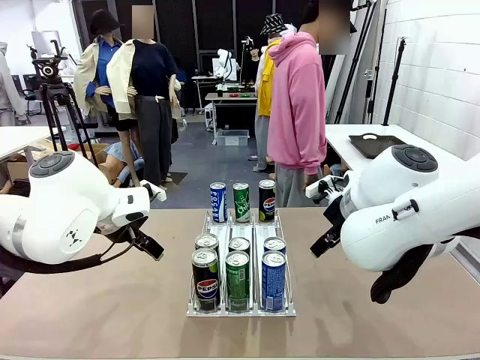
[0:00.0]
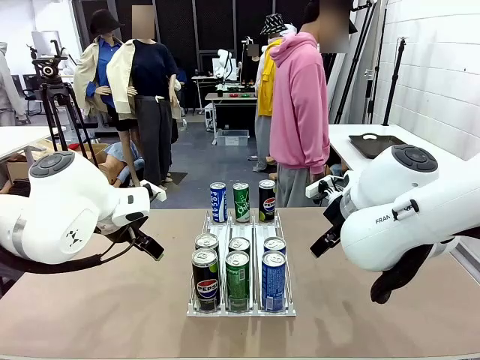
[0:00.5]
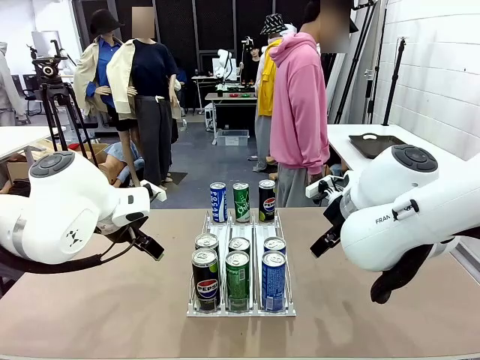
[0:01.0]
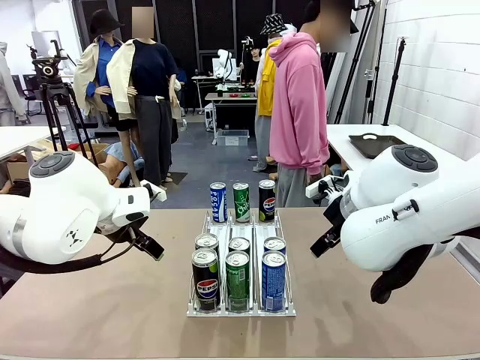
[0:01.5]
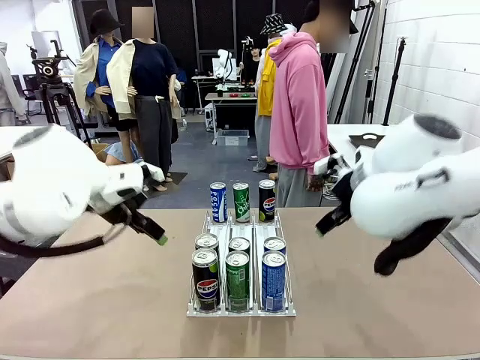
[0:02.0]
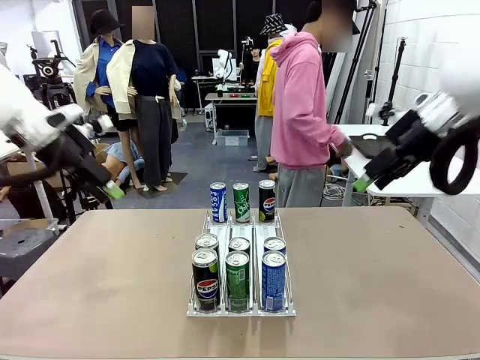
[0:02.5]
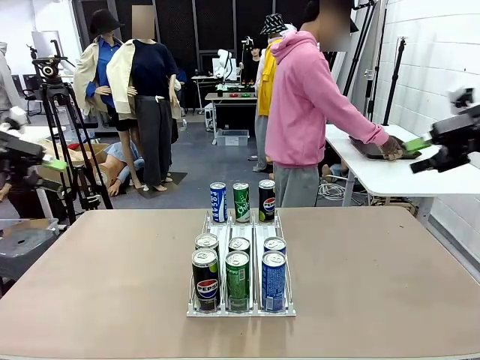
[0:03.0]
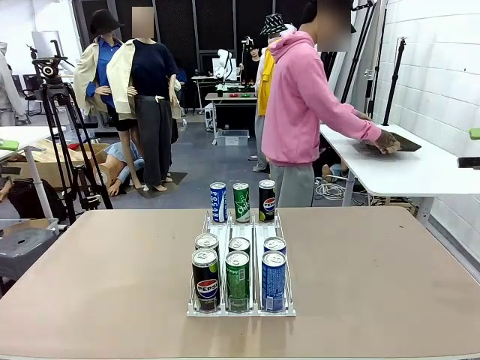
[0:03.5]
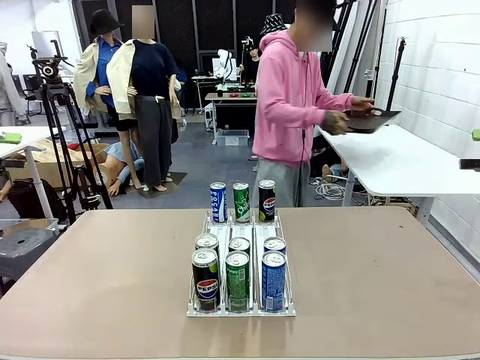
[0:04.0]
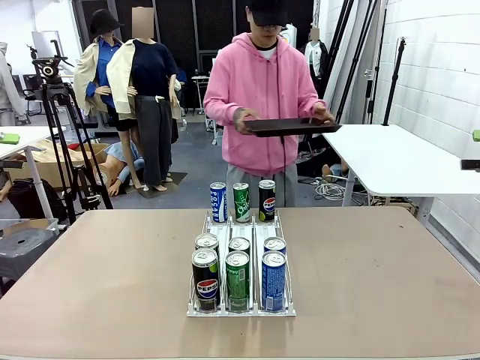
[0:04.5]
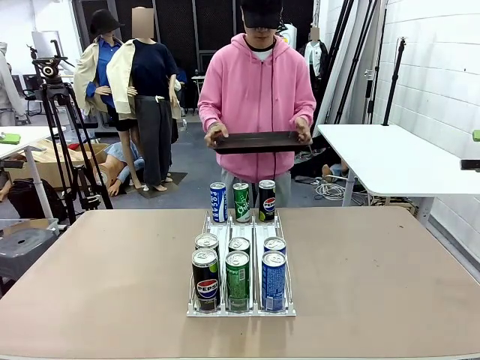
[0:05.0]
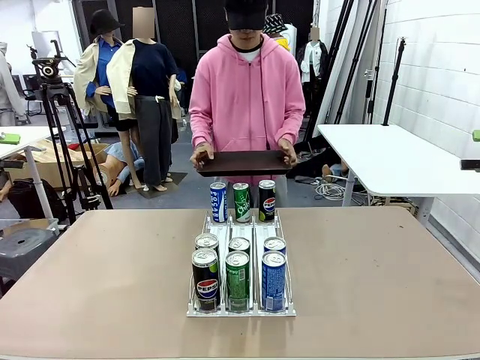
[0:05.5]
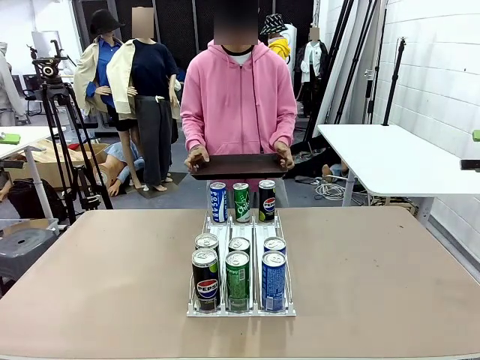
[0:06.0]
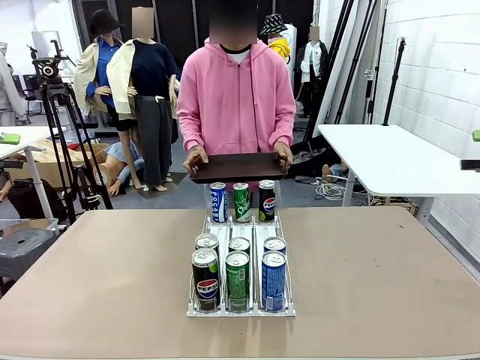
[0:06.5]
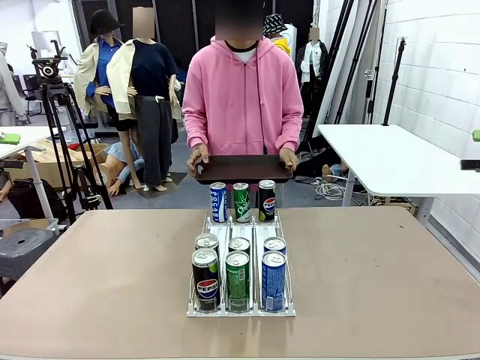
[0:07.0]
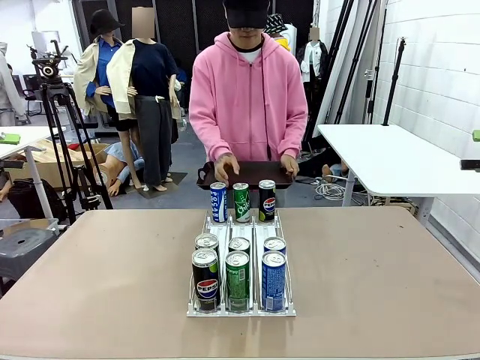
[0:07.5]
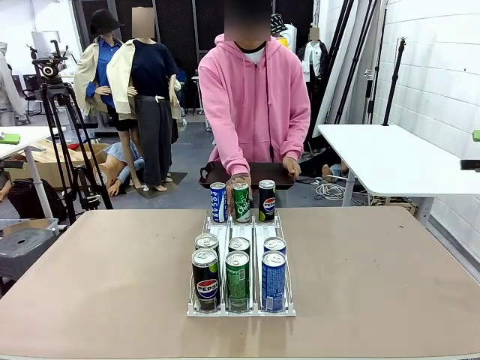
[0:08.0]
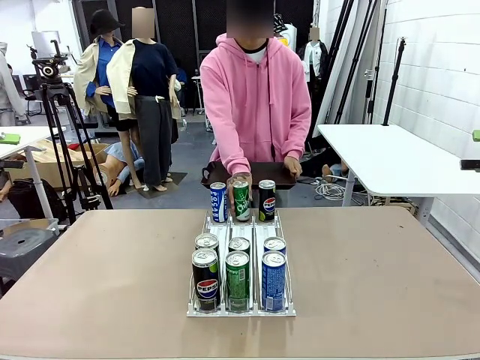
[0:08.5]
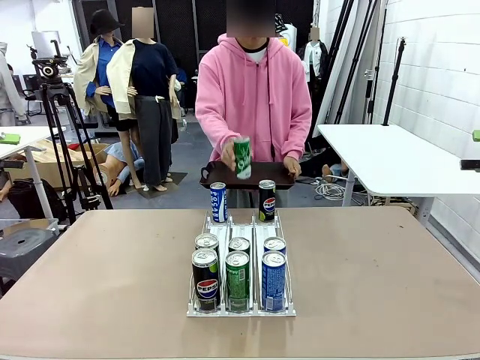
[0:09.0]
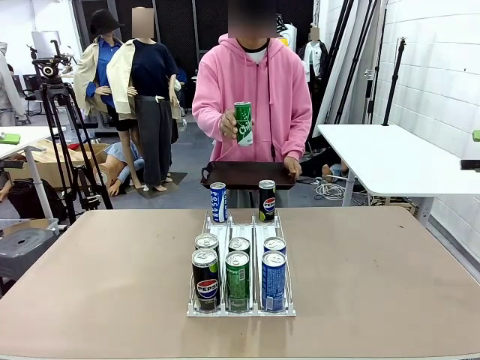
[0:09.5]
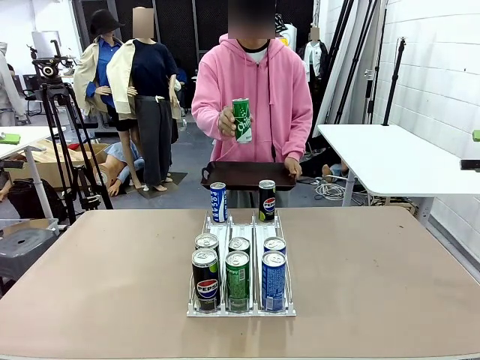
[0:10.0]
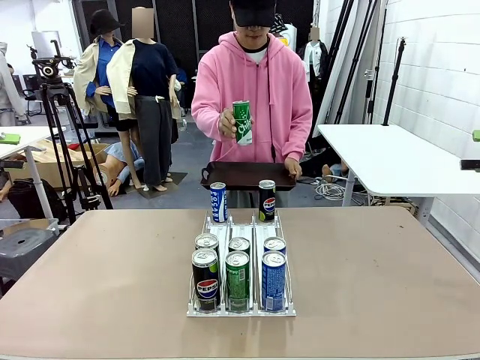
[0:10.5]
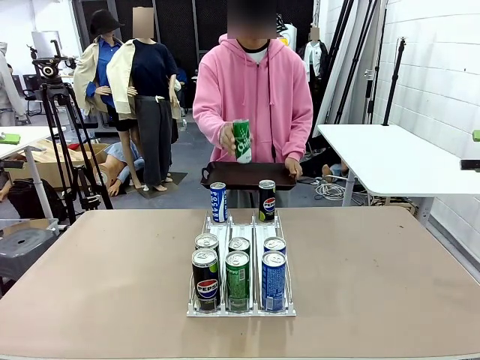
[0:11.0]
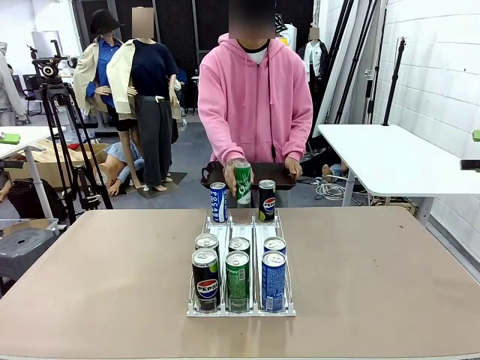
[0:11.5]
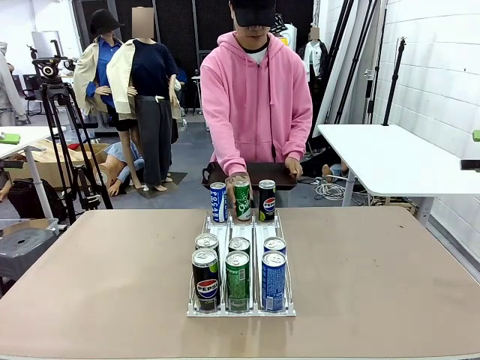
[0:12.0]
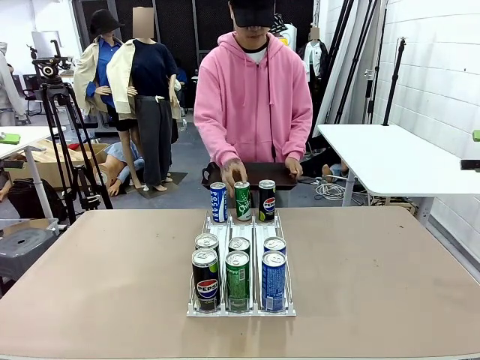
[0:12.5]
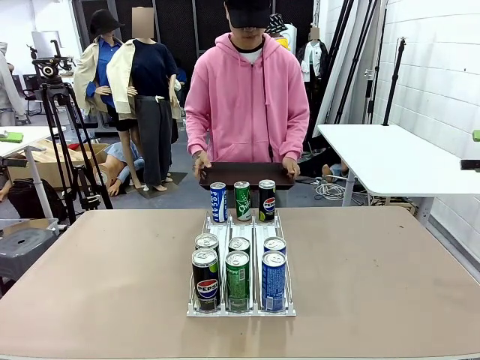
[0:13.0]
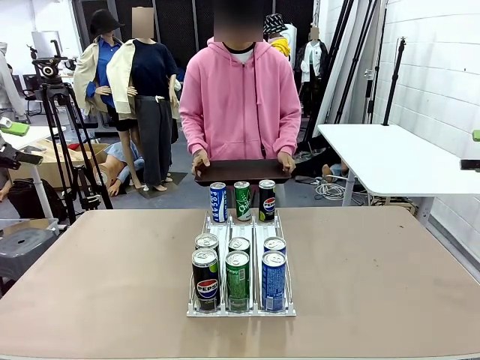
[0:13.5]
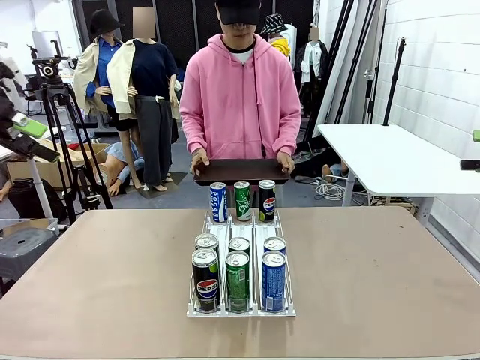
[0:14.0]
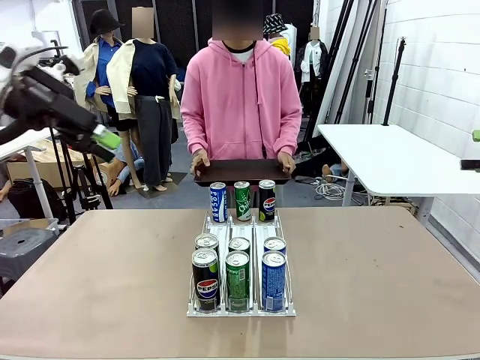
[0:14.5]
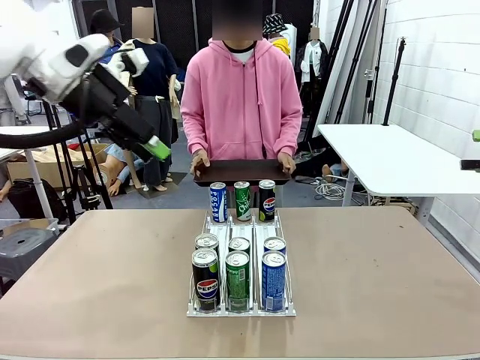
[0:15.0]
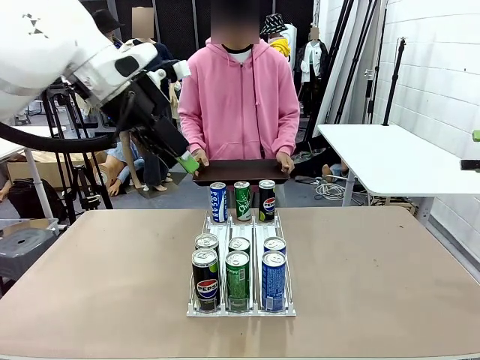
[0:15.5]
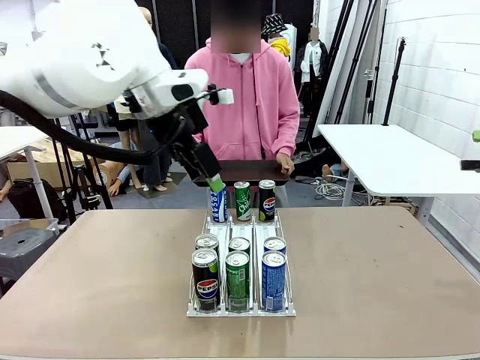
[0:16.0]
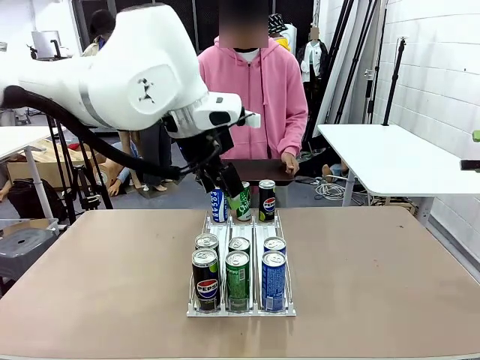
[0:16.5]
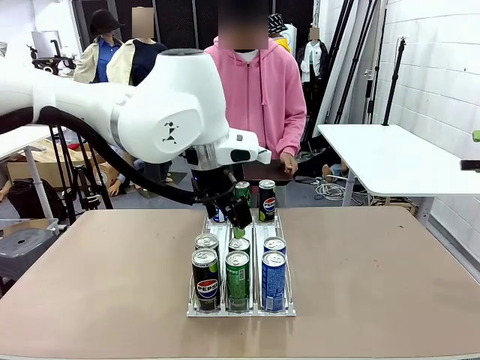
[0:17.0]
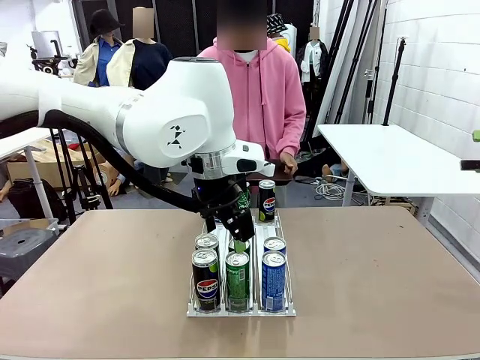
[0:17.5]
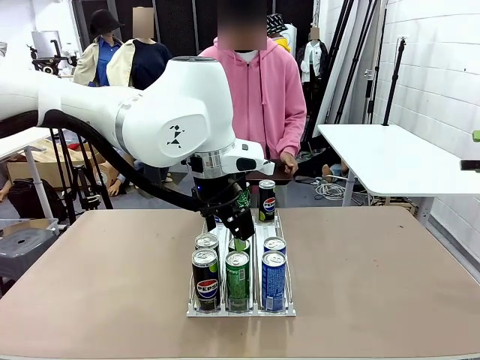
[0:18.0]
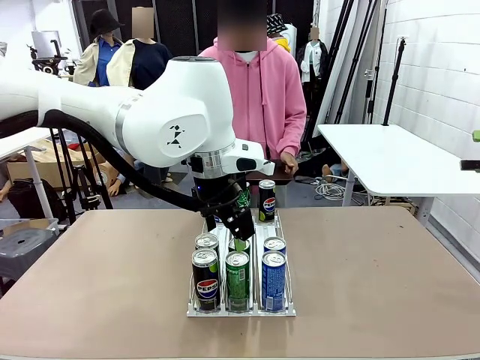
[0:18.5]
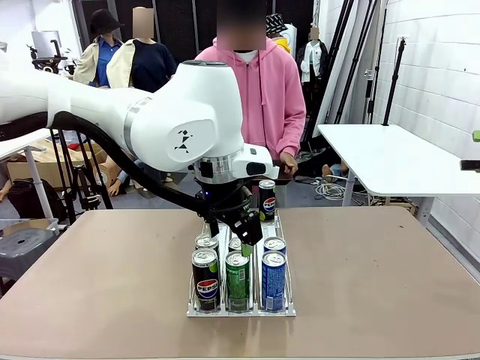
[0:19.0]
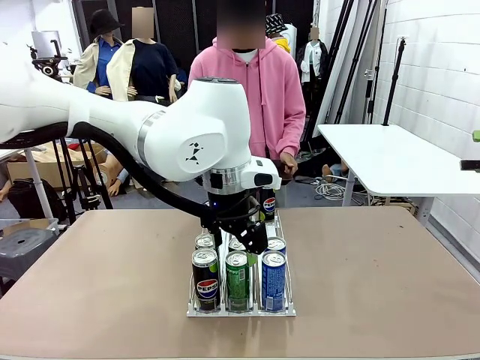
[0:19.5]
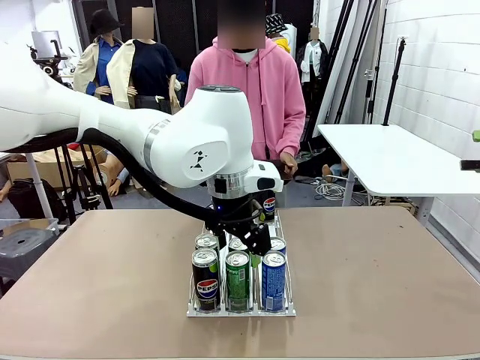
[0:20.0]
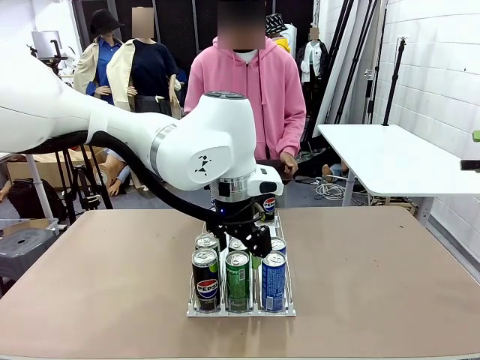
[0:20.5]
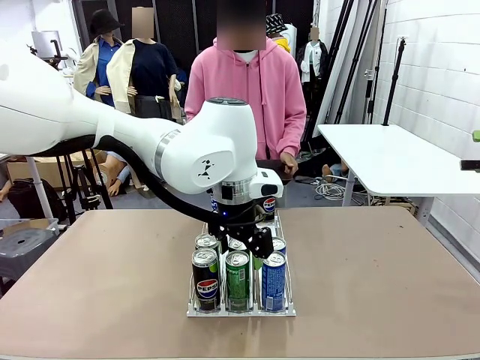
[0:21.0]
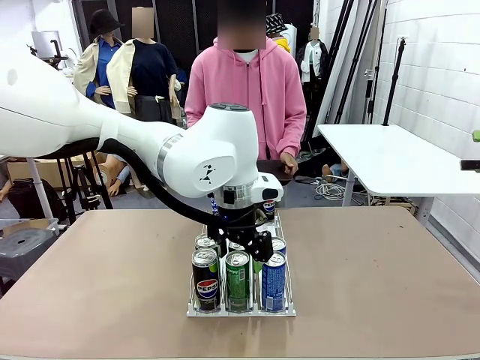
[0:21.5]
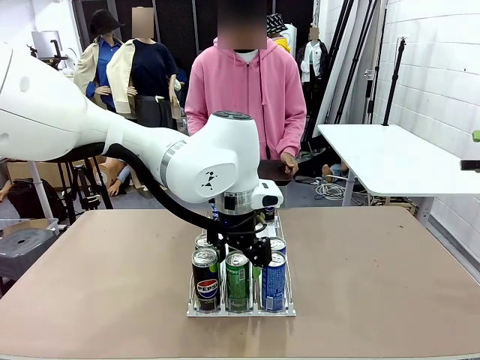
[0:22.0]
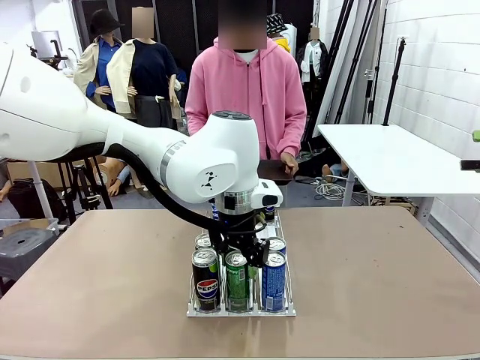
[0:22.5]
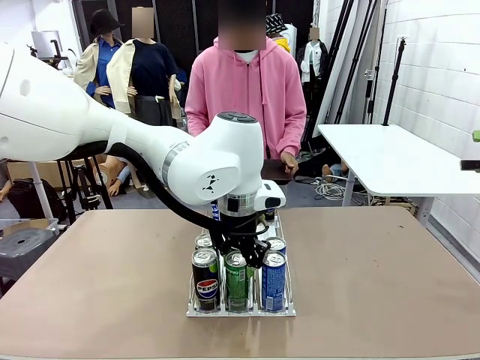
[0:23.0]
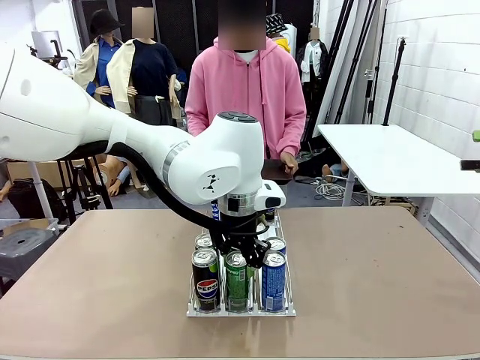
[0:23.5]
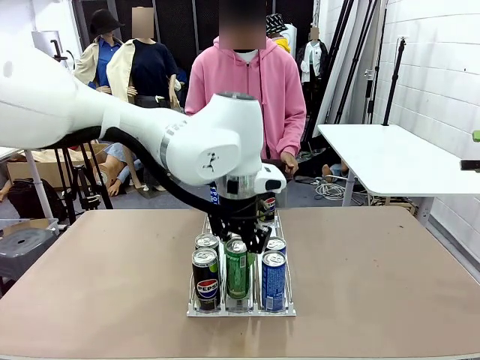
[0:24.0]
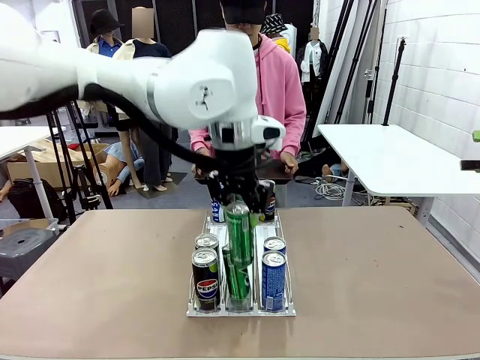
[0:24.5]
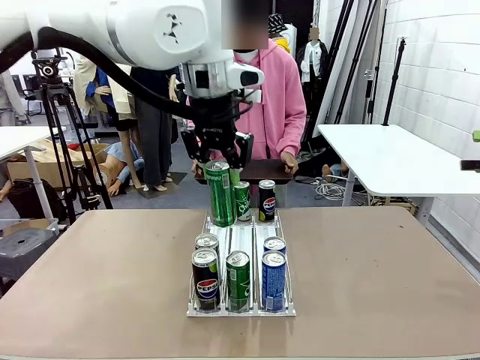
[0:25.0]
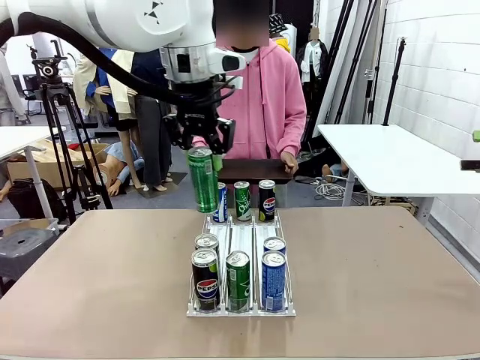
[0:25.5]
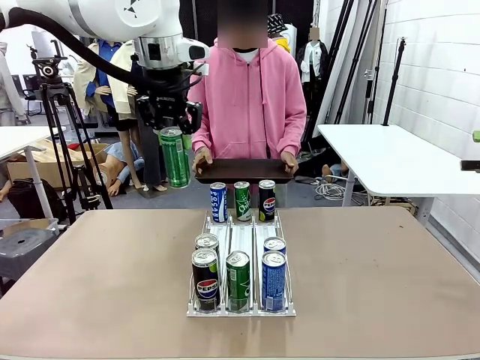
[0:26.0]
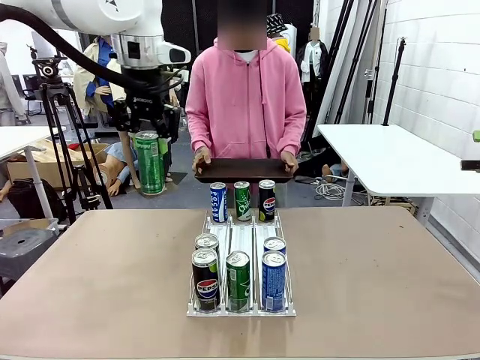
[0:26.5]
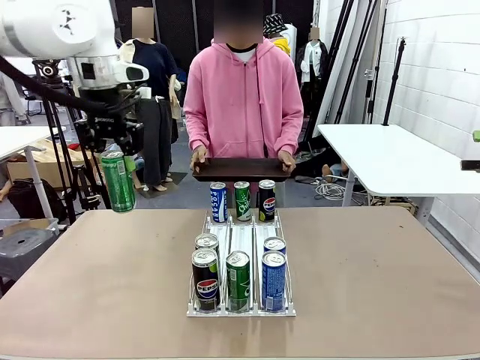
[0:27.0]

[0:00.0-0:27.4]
Task: Retrieve and hand over the desired beverage to the person.
Robot: Pick up a can of the same type that the person held from the Automatic Can Dispenser.
Person: Hold the tray and position yourself in front of the robot table. Pick up one can from the bottom area of the table and puts it back in its original place. Push the tray toward the robot.
